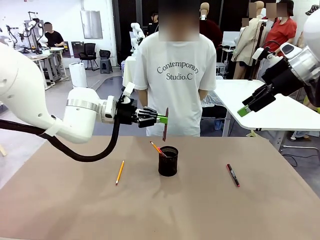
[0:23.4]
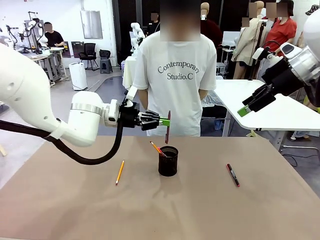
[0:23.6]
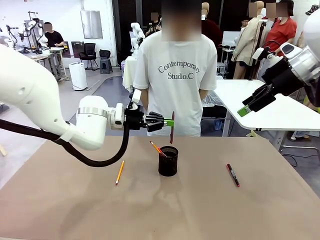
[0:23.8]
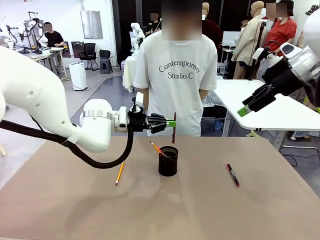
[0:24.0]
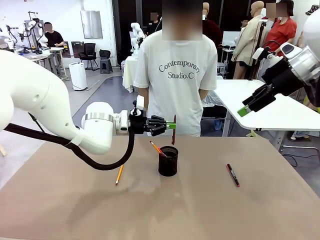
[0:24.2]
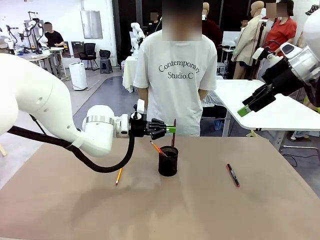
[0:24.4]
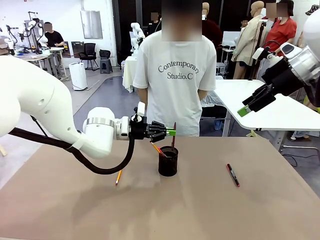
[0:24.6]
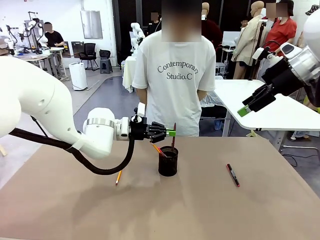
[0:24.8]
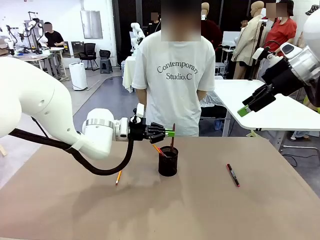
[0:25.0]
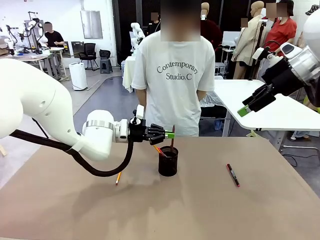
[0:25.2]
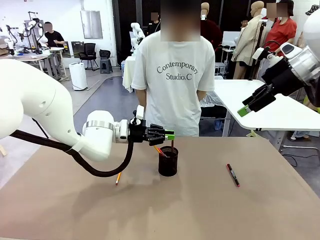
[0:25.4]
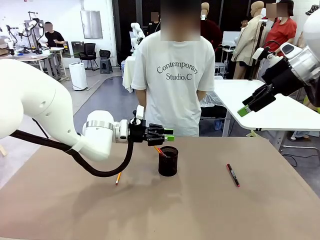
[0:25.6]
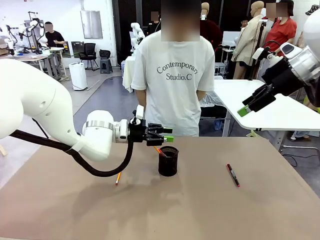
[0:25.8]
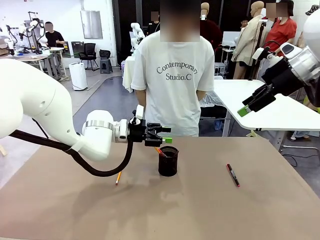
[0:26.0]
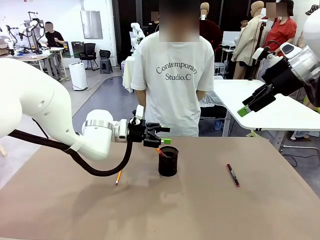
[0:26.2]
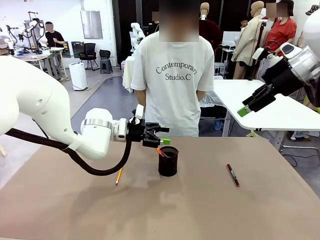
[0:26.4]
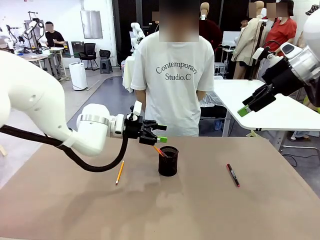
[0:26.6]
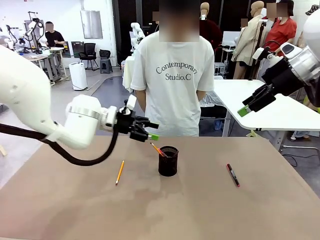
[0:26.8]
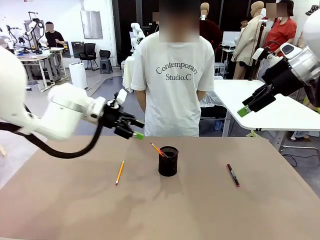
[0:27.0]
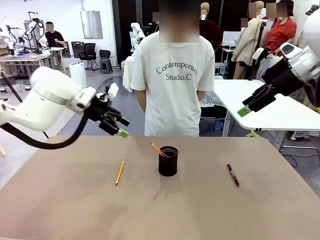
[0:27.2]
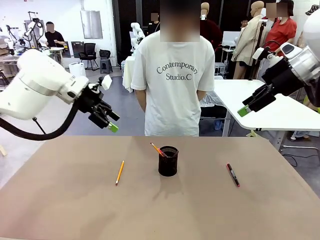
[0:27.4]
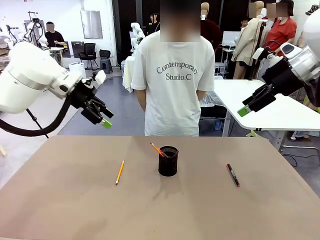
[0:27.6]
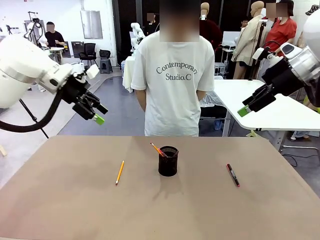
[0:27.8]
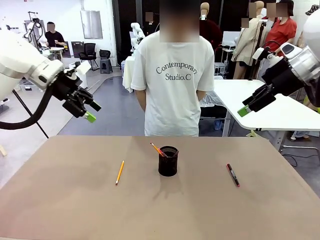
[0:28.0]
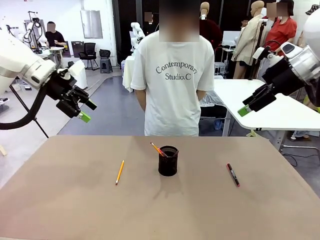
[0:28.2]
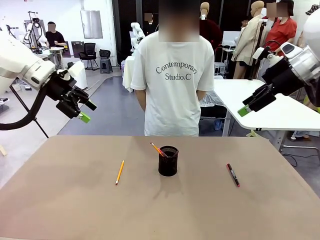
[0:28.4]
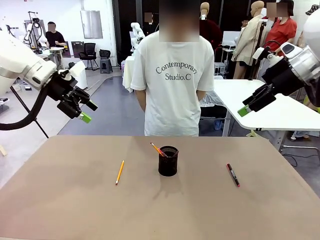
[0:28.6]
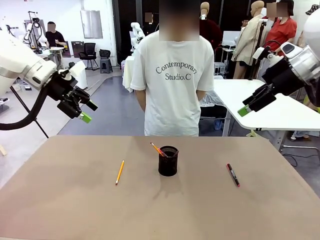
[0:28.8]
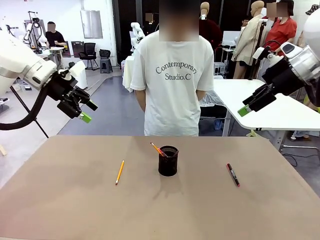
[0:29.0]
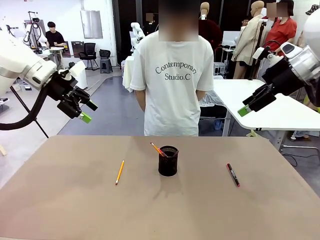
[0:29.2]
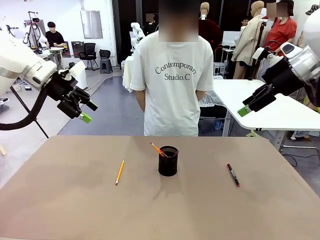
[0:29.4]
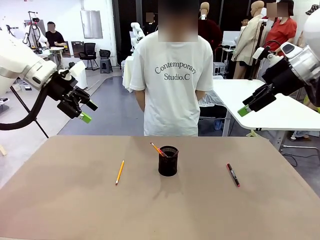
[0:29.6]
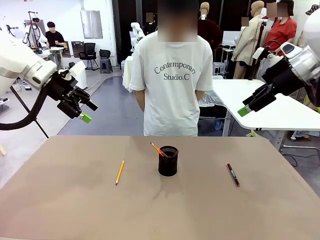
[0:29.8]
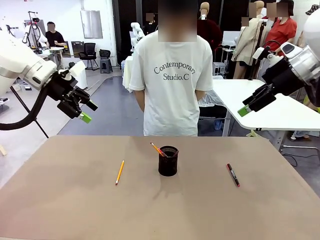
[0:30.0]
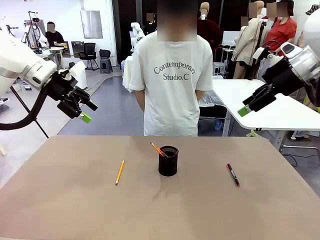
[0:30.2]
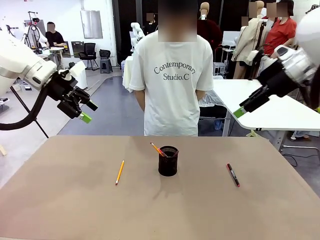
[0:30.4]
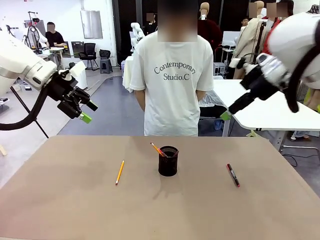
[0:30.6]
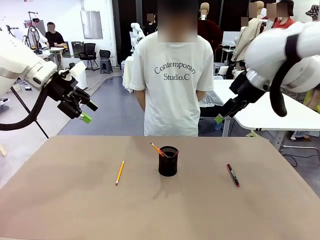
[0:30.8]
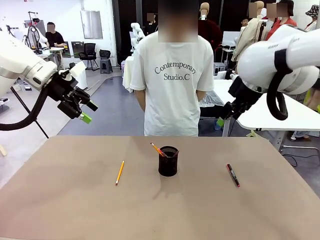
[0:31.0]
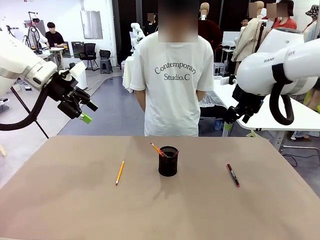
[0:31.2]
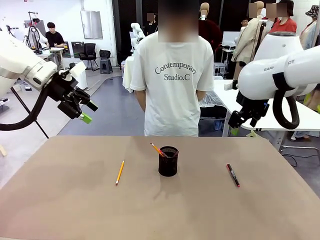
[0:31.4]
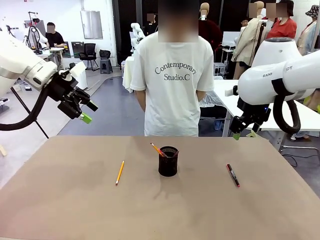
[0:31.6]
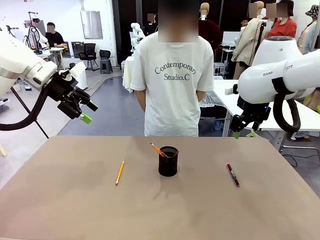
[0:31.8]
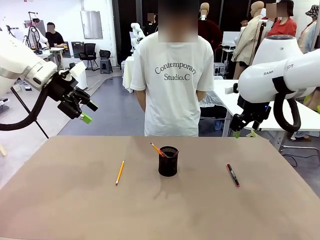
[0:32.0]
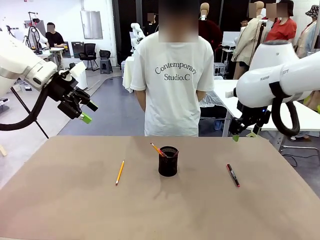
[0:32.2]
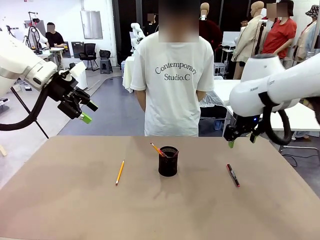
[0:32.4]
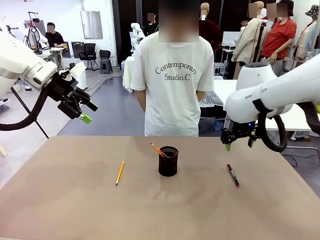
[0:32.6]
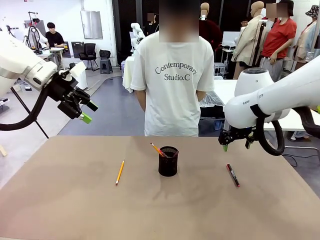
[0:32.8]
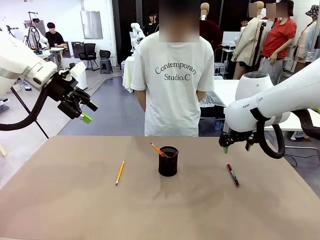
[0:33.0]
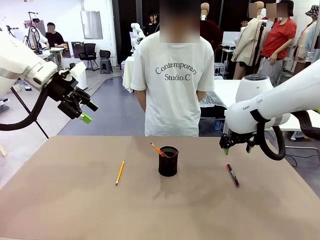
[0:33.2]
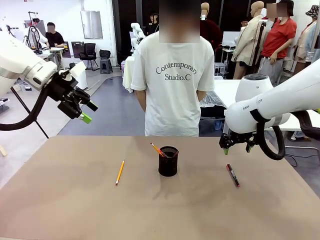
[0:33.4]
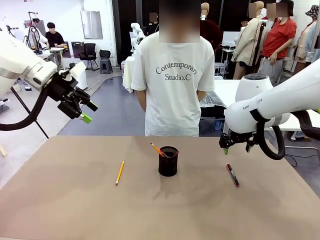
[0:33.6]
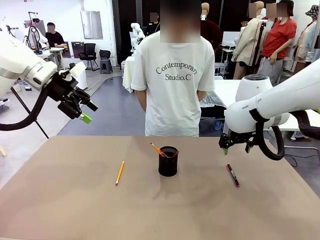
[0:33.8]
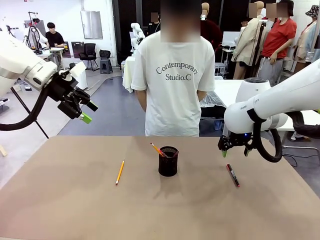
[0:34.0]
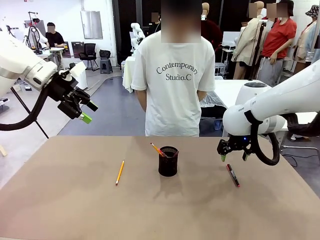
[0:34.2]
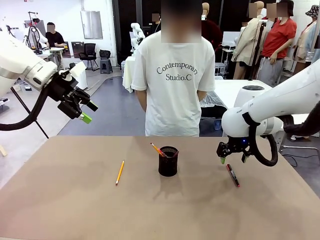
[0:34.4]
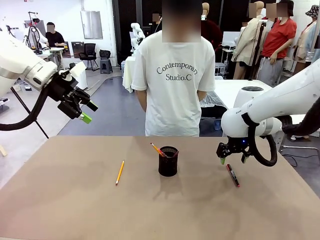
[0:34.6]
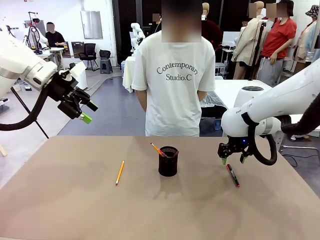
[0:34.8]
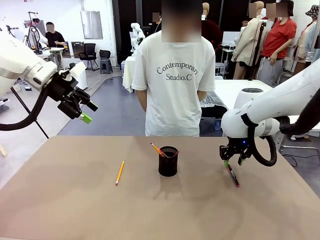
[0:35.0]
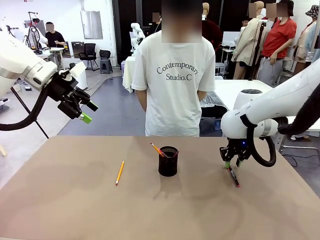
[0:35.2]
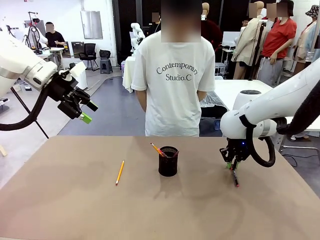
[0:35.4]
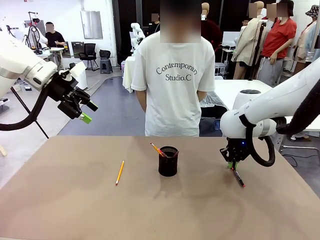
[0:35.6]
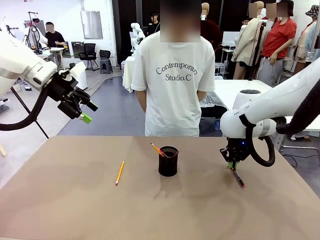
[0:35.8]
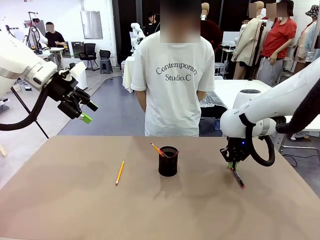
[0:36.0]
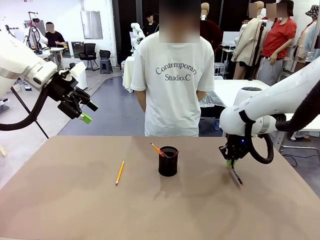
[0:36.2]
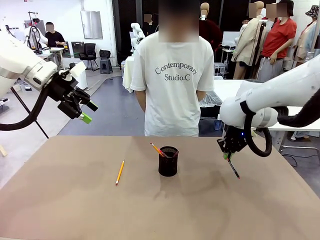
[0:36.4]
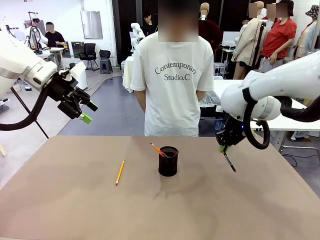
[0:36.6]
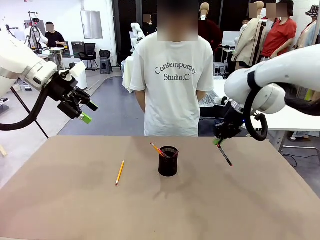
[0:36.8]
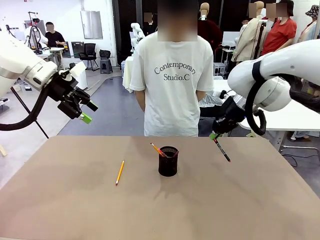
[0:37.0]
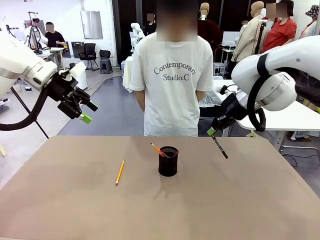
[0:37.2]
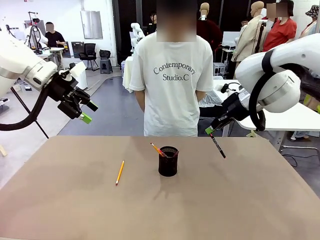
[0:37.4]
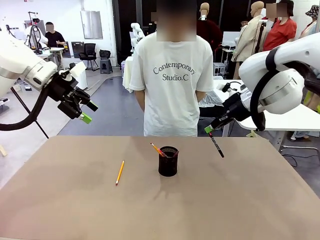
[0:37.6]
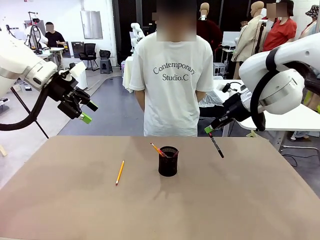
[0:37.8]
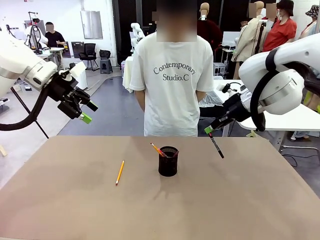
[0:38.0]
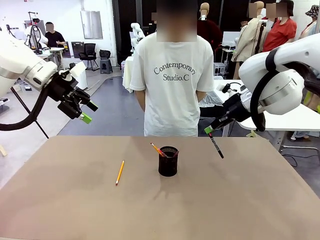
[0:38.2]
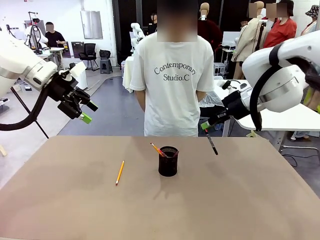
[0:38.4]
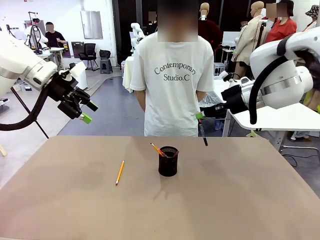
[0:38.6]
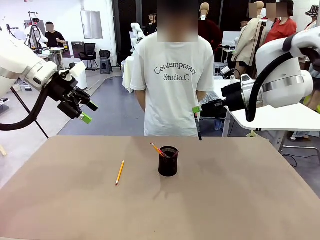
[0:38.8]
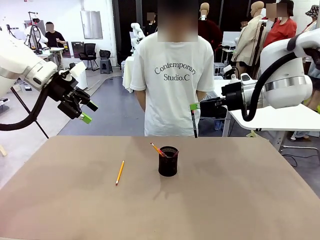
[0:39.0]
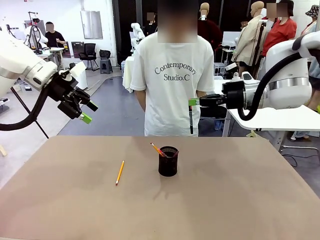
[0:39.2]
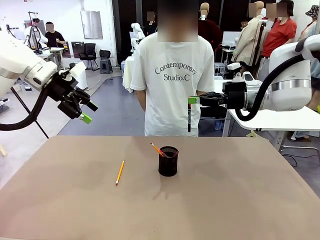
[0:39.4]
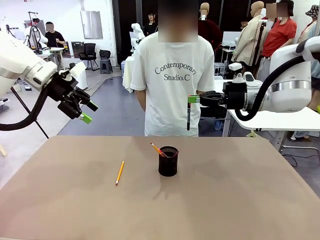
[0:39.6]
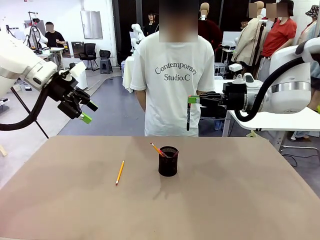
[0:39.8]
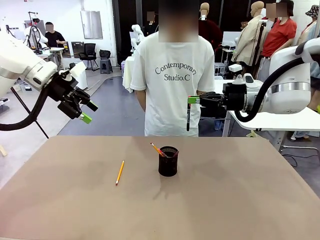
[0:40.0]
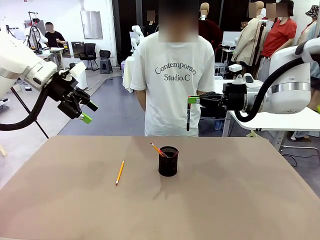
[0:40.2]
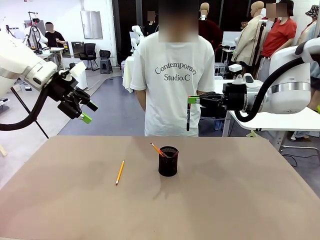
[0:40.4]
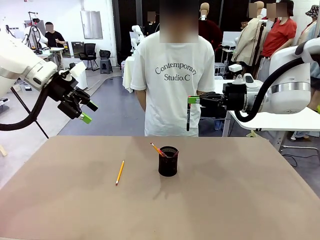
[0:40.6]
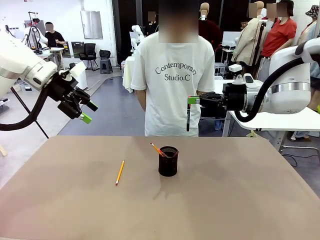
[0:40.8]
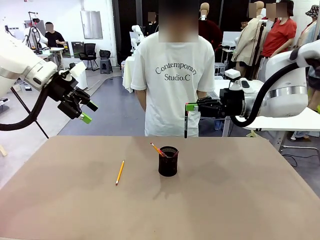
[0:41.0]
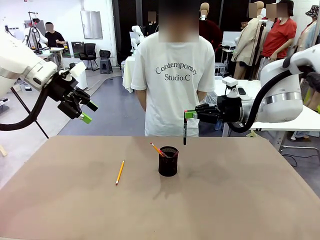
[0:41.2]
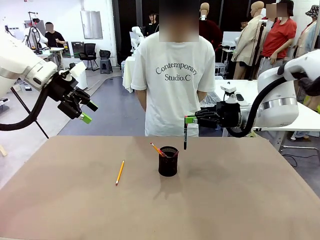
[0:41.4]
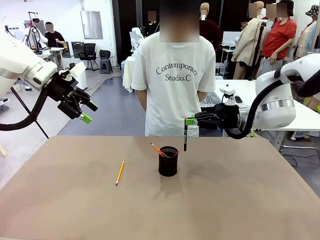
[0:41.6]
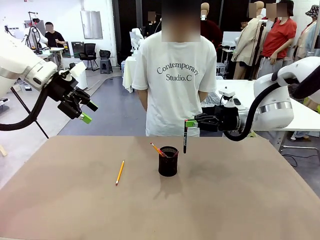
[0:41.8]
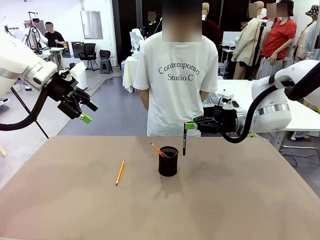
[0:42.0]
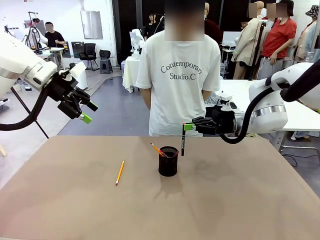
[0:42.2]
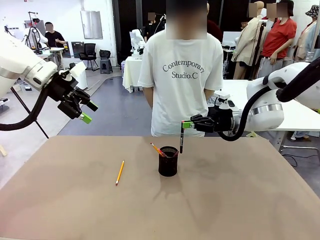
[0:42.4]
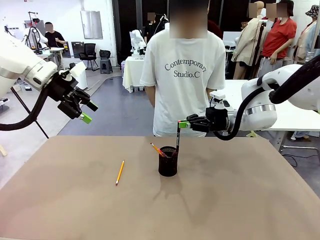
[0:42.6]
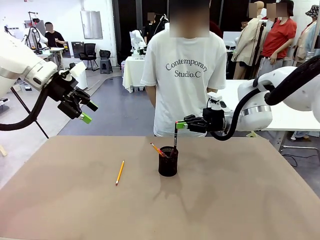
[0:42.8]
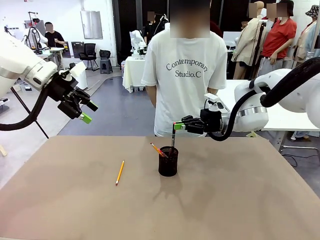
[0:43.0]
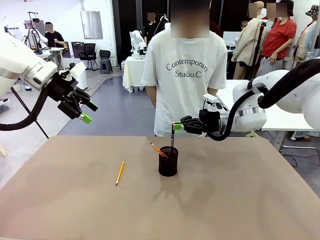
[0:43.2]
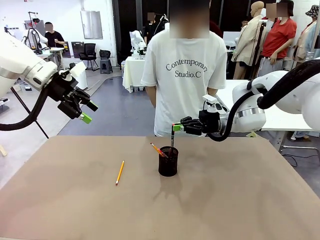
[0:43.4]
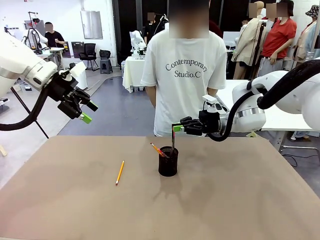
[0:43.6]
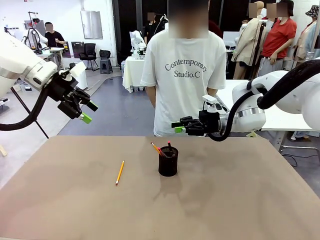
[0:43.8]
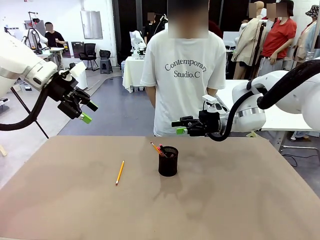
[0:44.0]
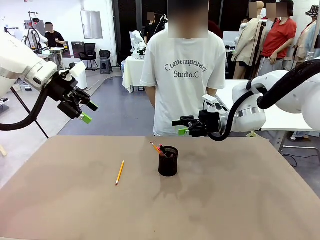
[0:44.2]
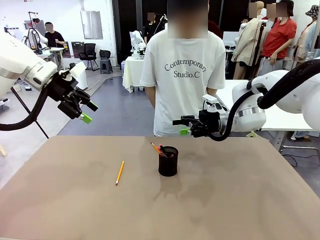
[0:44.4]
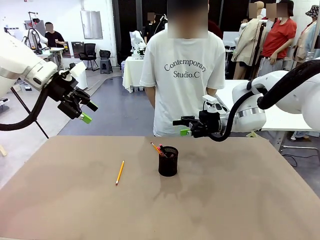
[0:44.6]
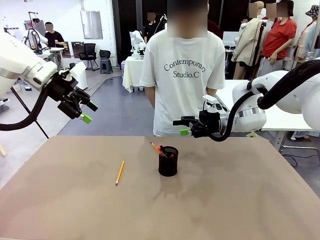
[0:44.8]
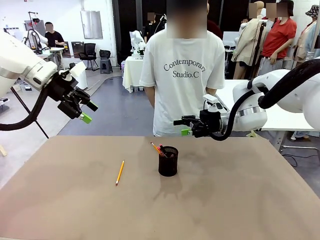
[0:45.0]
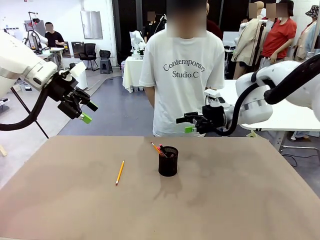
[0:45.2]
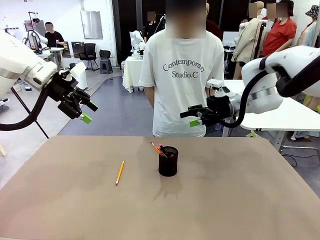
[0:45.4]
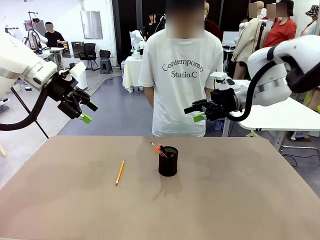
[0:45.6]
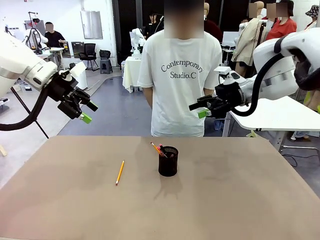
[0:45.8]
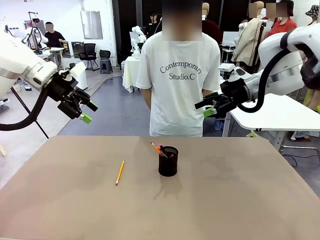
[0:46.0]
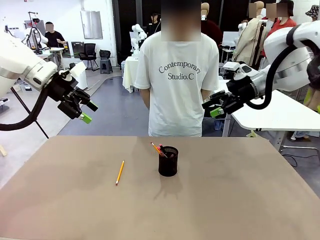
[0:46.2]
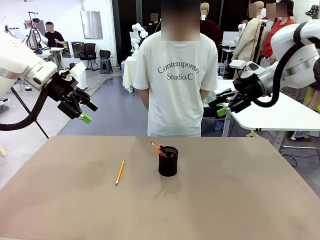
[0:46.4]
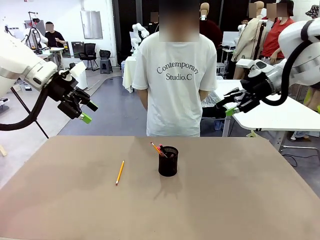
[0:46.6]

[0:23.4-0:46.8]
Task: Place the pens into the pen holder.
Robot: Pick up a writing instrument from the table and place it into the Pen holder.
